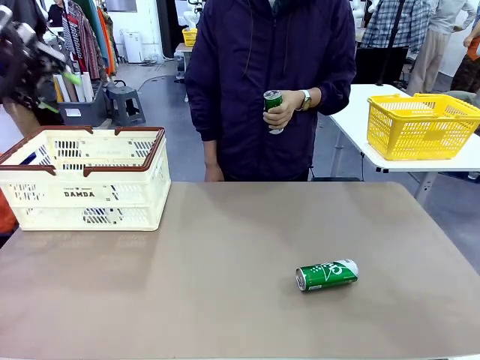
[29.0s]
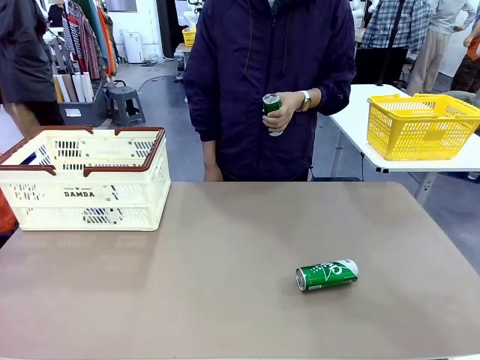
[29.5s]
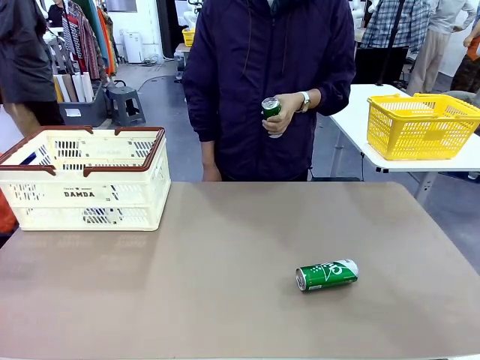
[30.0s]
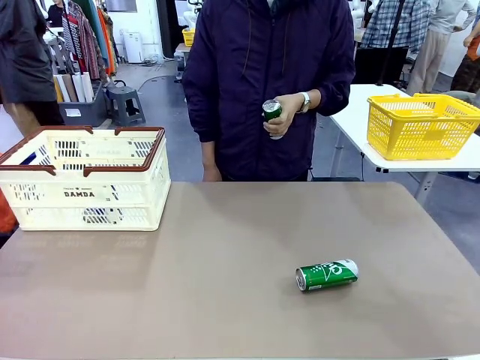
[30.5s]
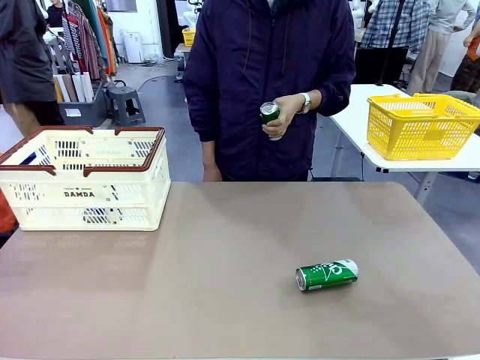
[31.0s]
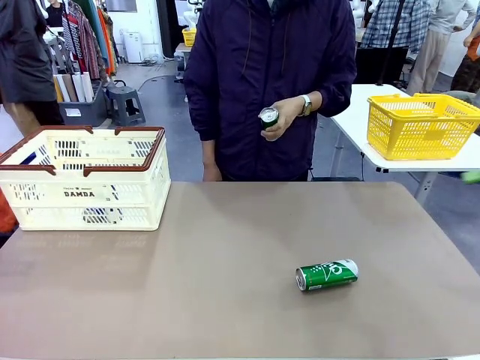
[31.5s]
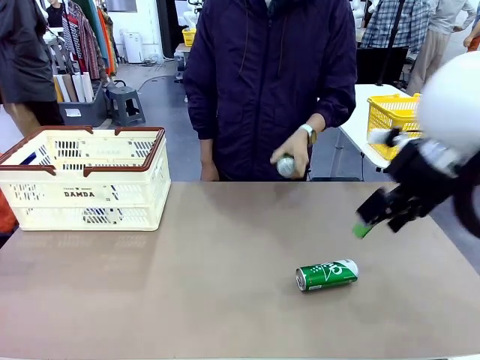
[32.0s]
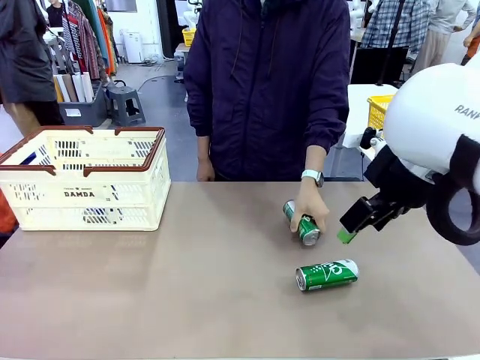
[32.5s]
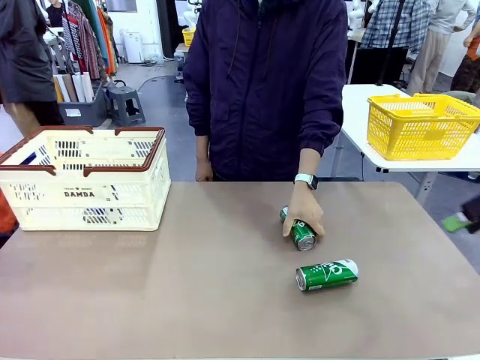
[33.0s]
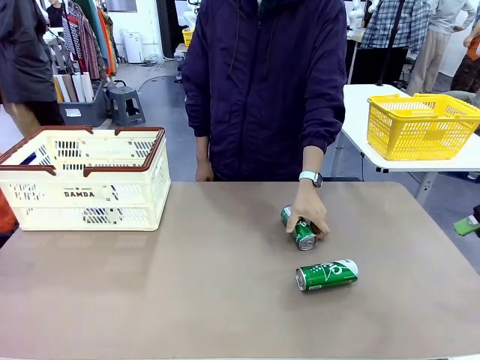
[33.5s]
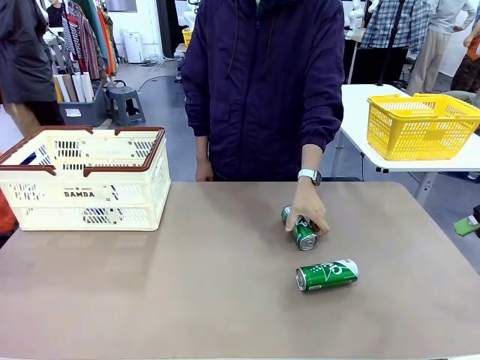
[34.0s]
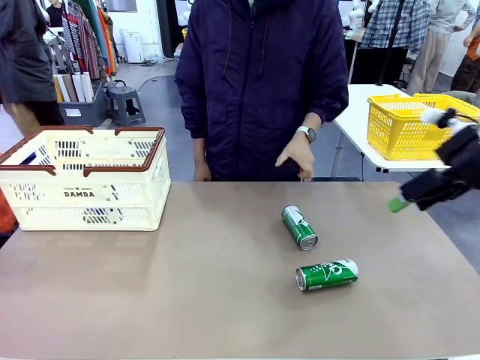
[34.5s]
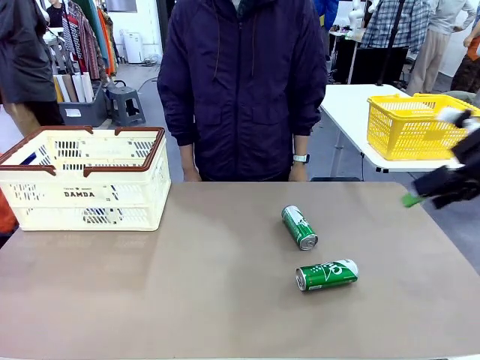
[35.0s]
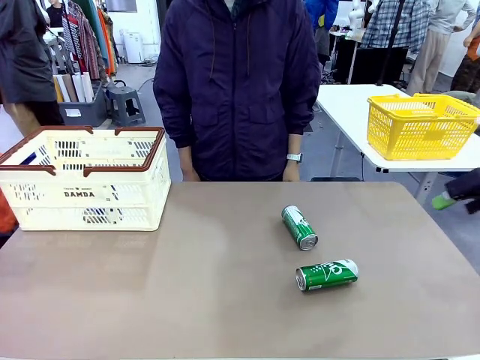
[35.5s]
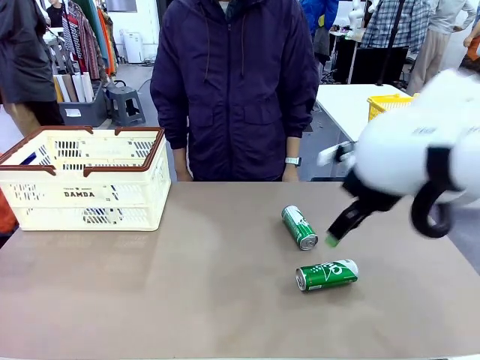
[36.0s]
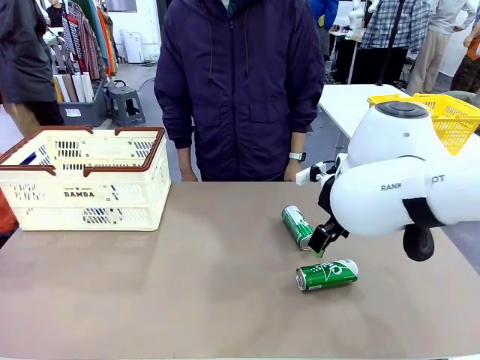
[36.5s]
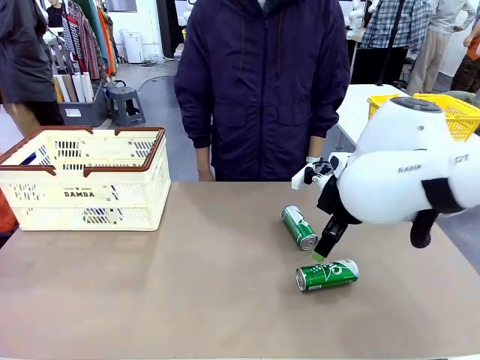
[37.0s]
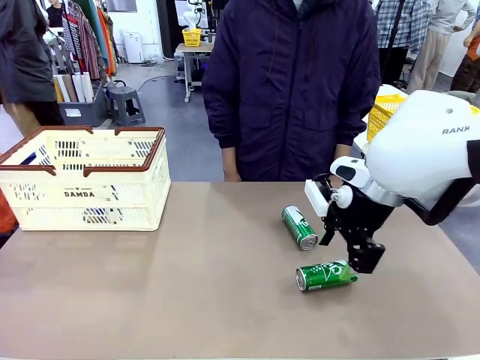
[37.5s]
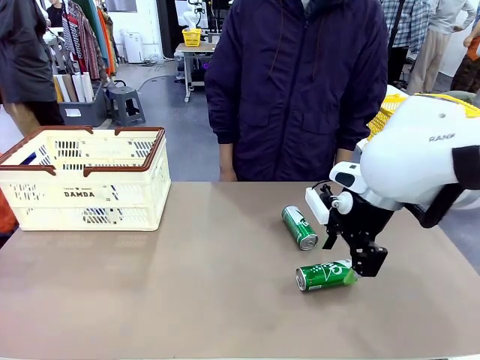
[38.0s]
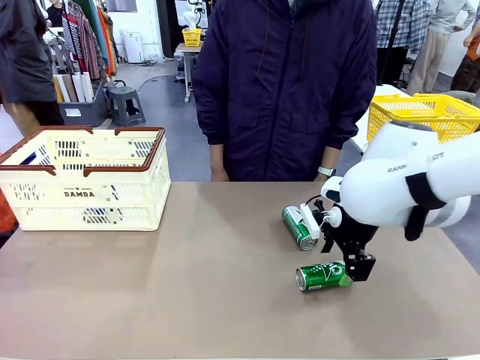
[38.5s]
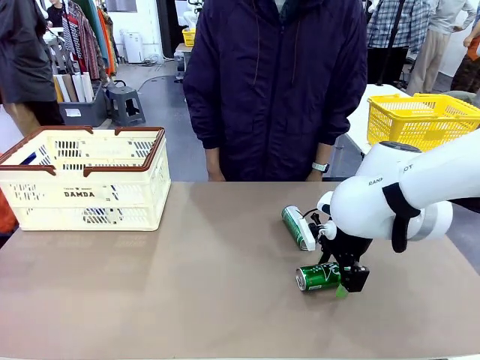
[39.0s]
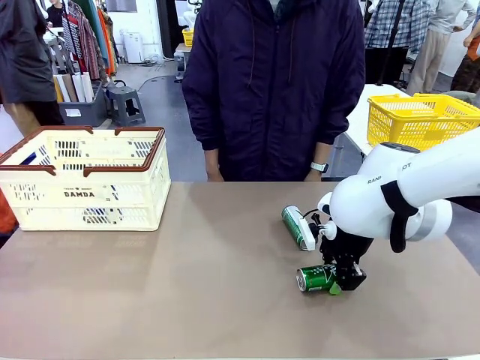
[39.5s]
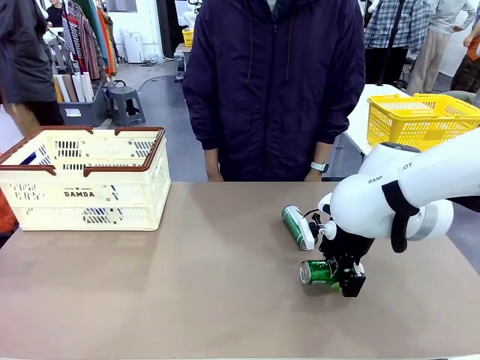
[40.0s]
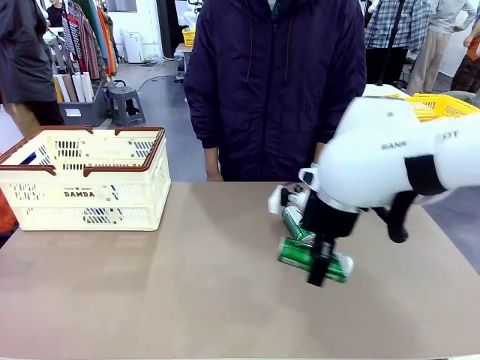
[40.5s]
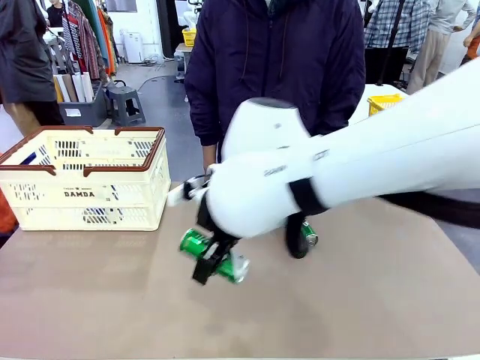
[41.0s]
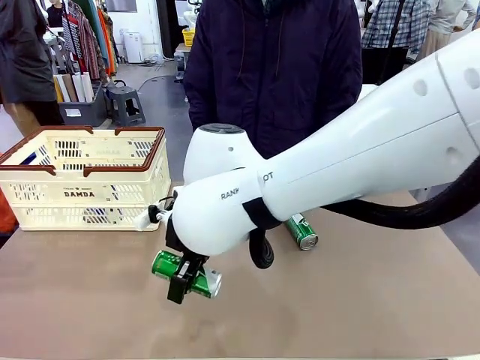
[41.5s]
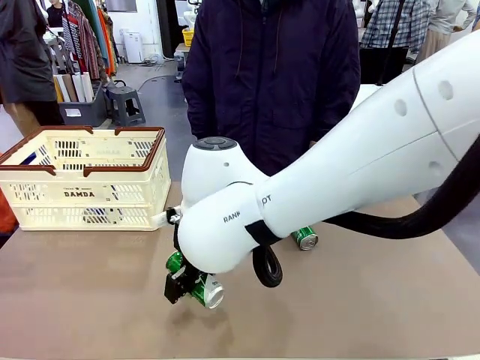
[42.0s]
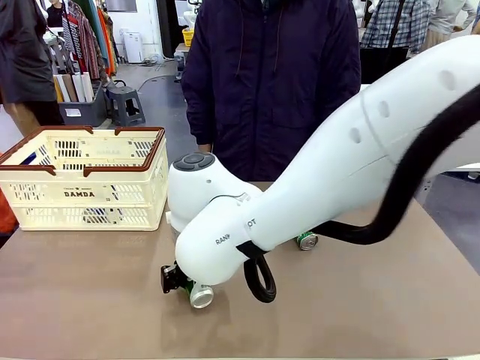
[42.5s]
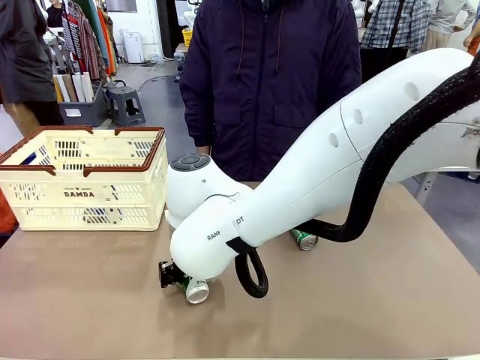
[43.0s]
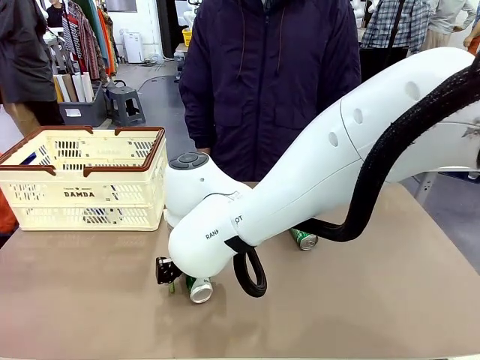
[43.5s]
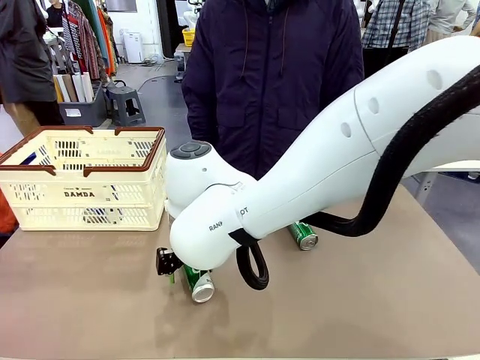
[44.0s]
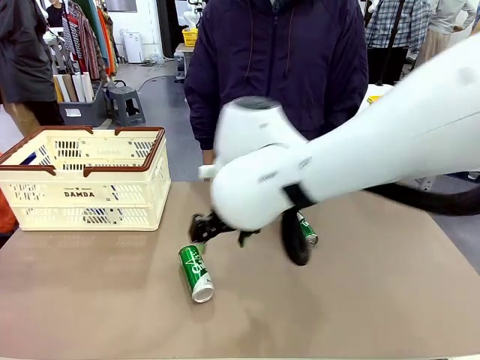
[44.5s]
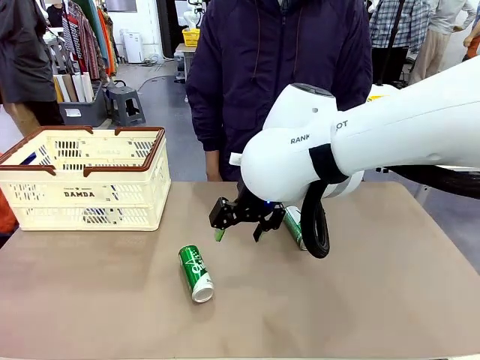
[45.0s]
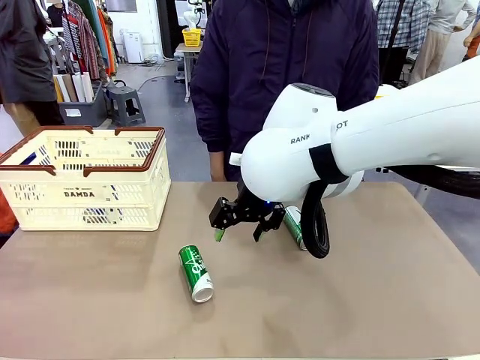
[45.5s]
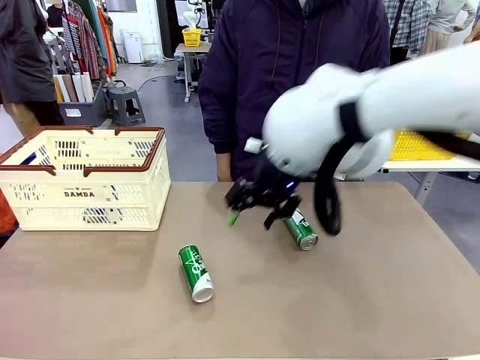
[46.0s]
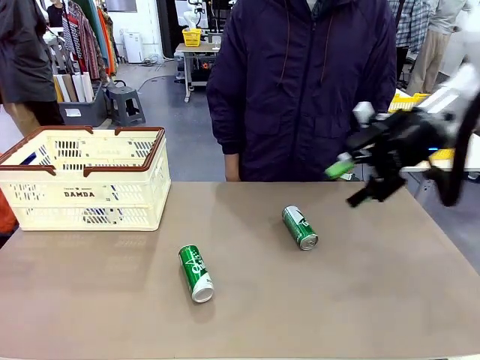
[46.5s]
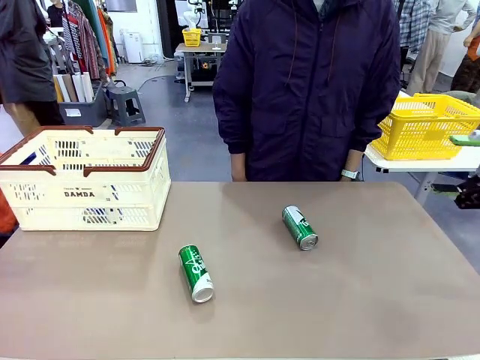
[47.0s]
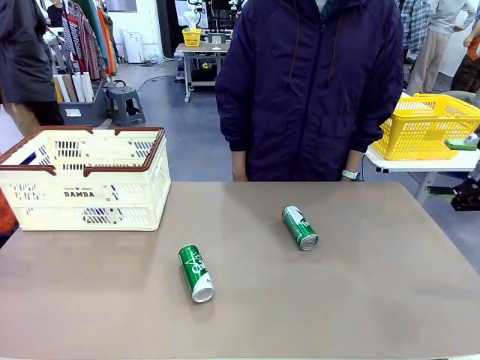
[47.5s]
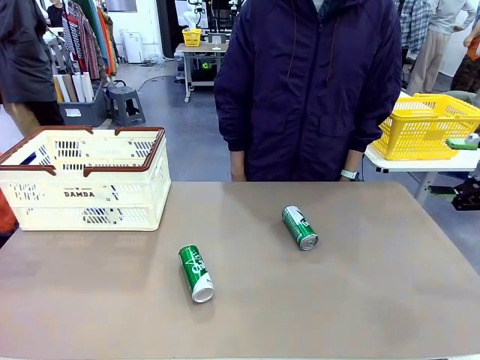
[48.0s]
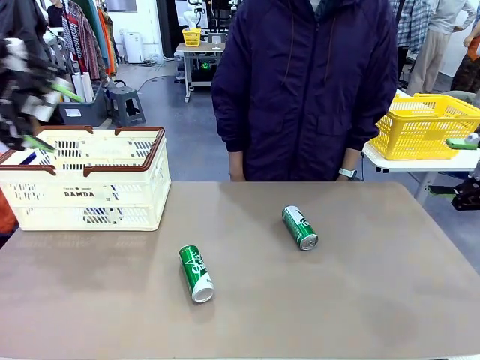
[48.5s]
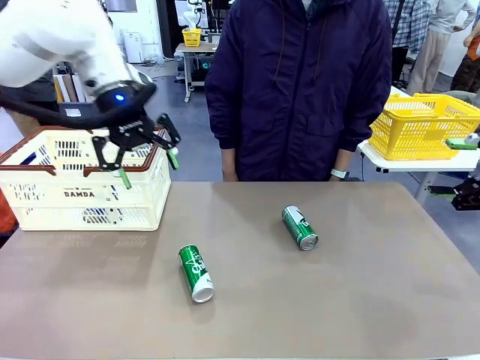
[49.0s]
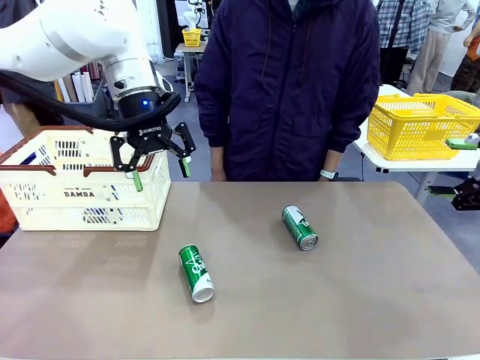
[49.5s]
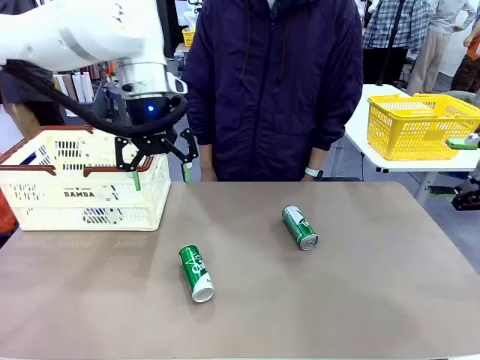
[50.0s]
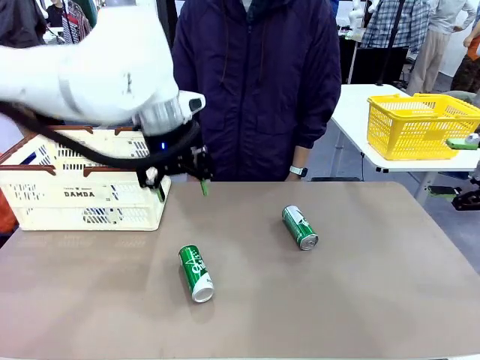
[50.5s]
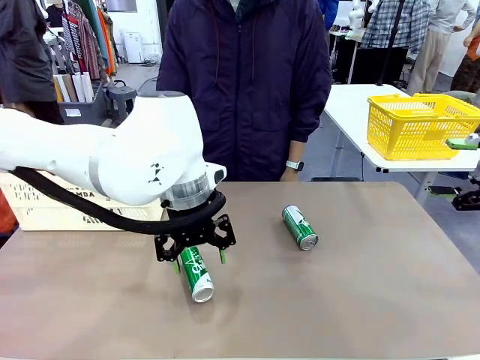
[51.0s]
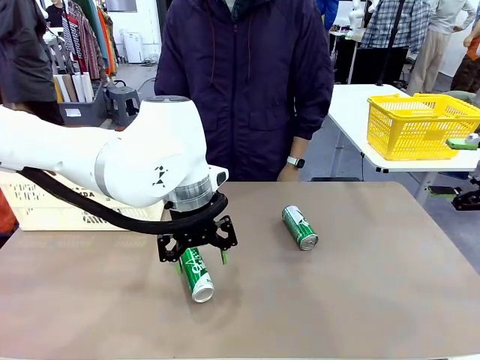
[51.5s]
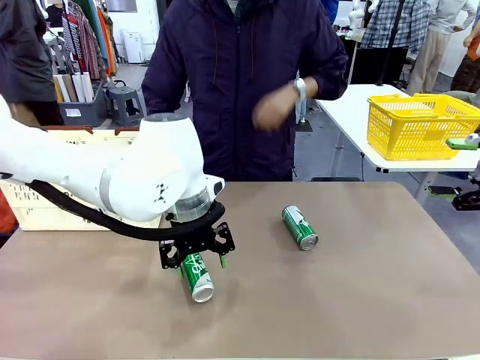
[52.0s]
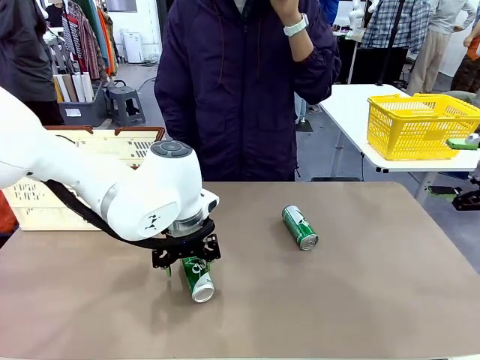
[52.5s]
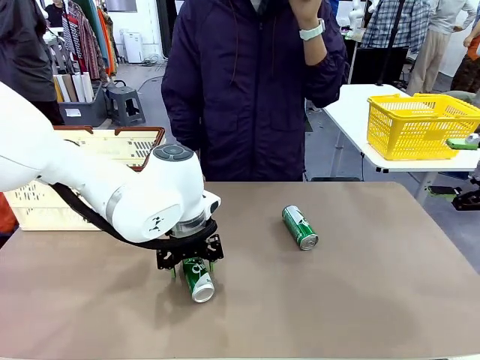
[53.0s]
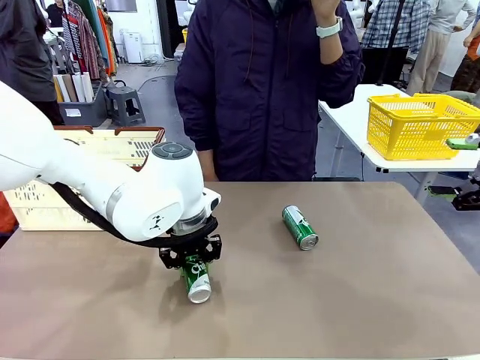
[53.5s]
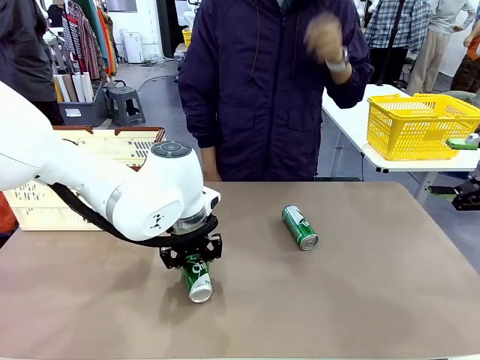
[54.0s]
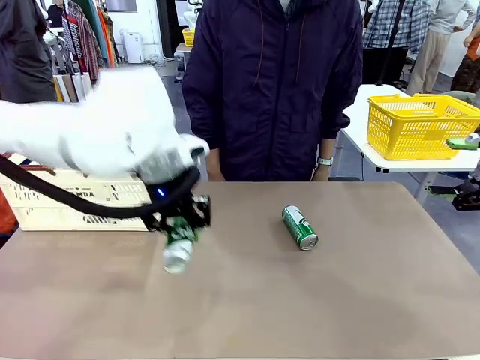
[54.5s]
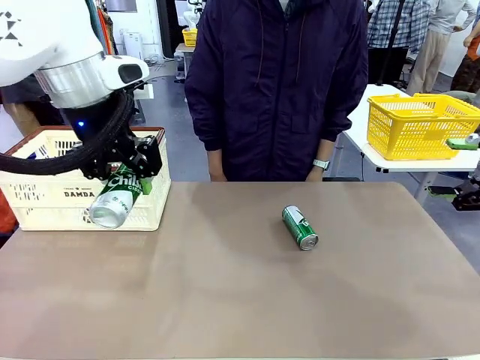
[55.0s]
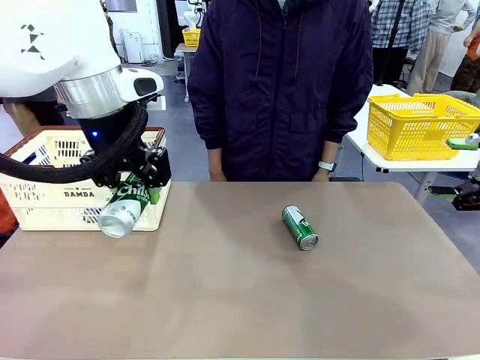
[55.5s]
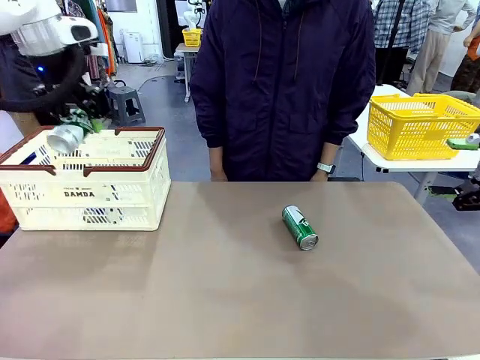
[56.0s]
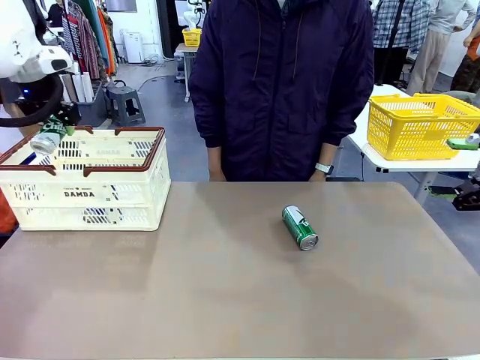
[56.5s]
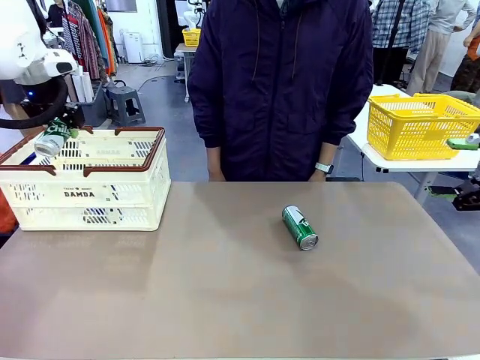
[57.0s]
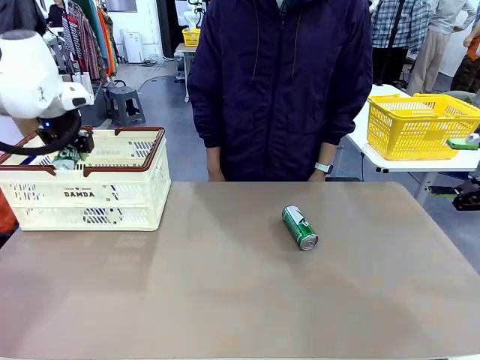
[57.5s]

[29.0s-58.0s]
Task: Place the drinks into the Shopping basket.
Robot: Pick up one drink and place it into the Shopping basket.
